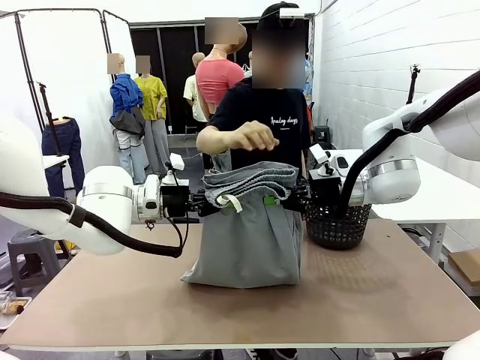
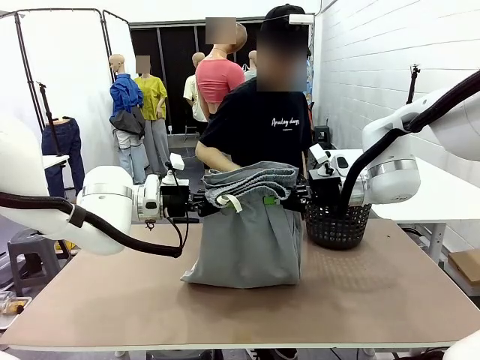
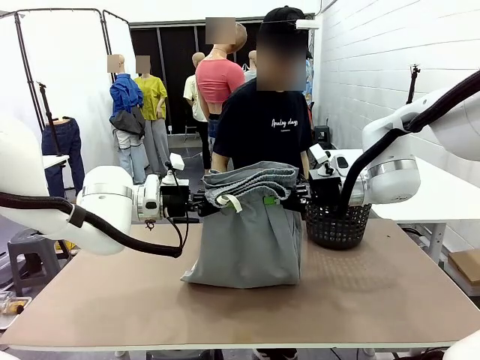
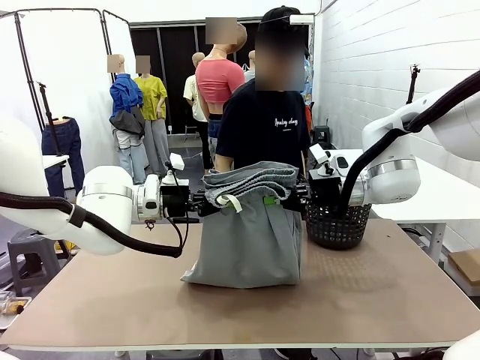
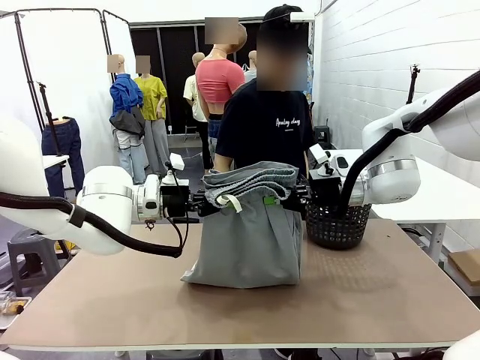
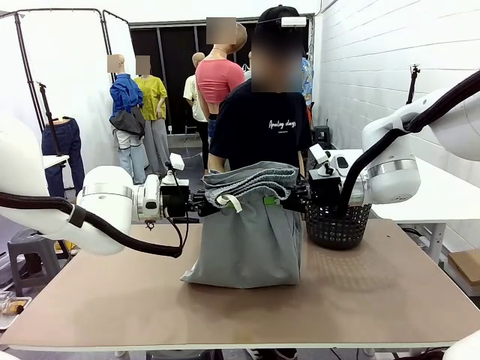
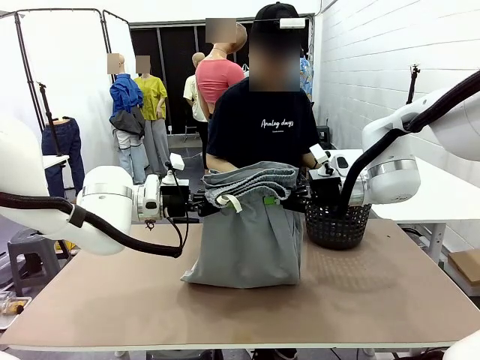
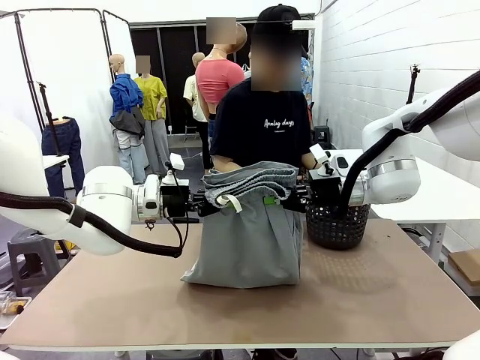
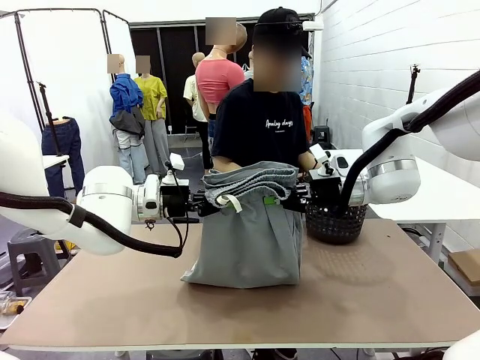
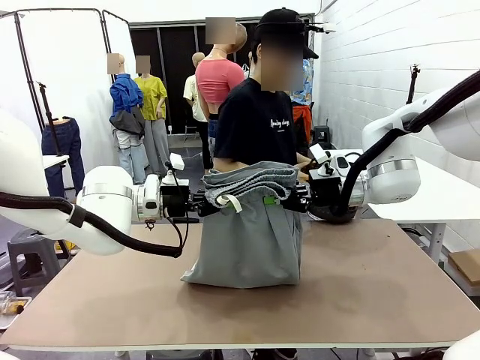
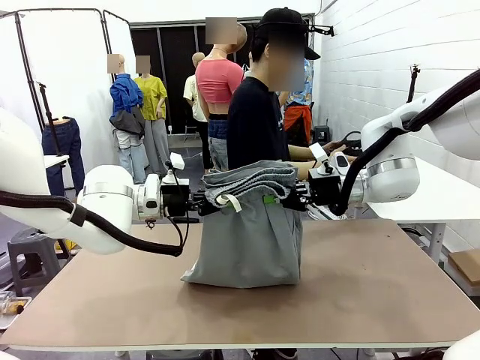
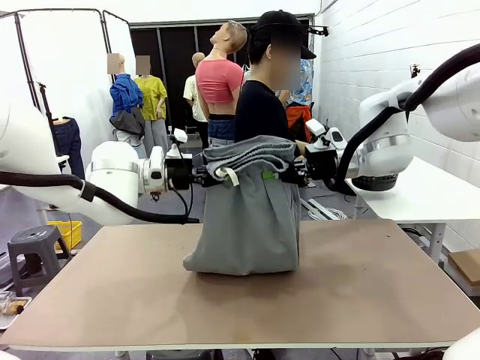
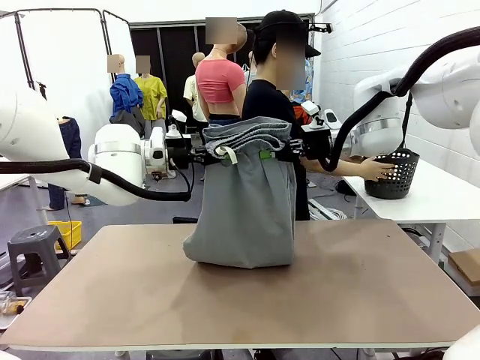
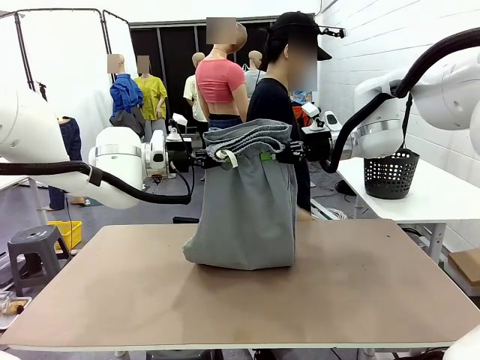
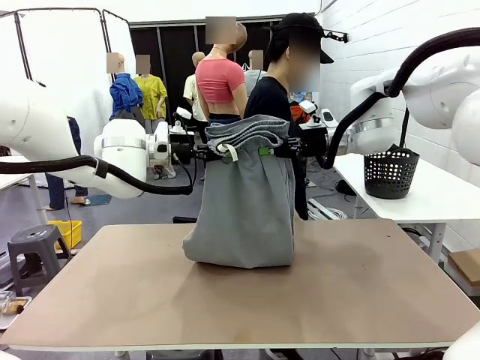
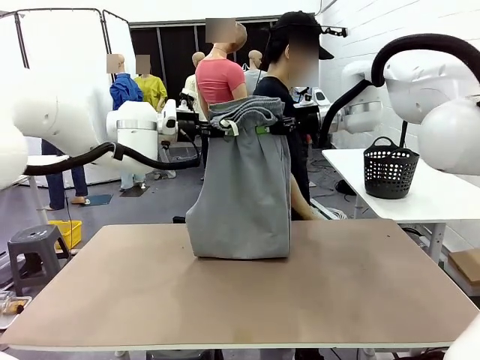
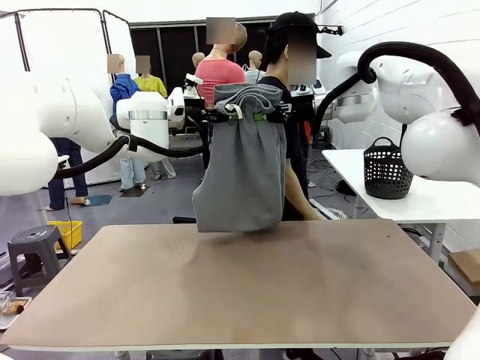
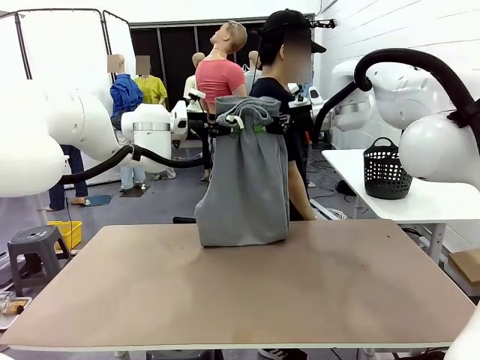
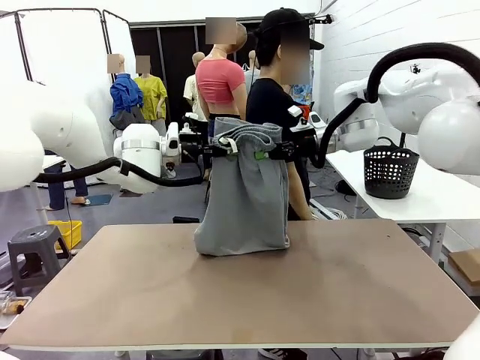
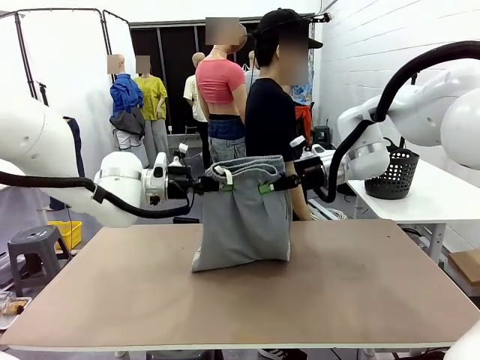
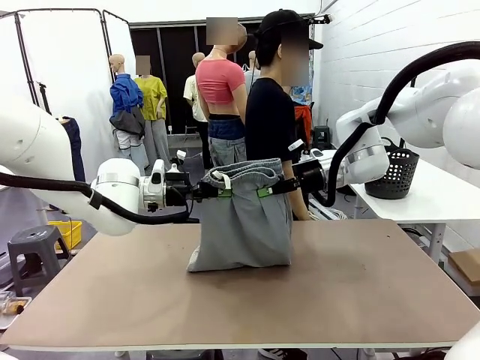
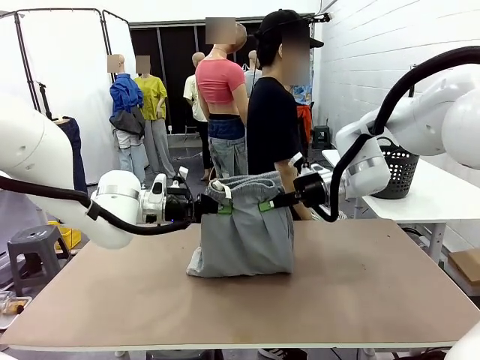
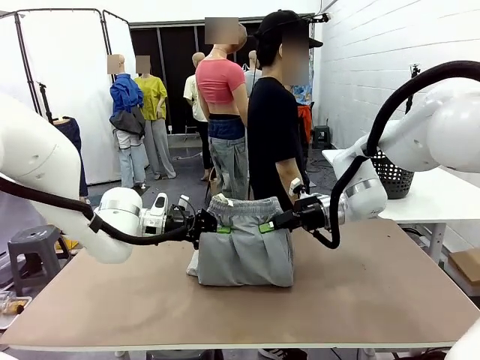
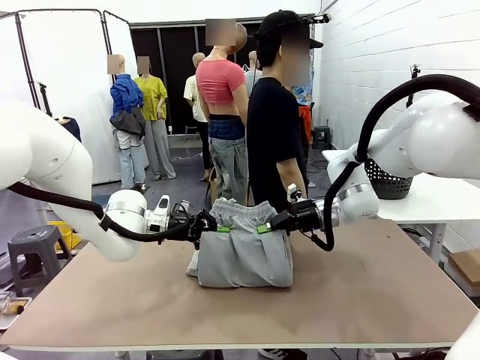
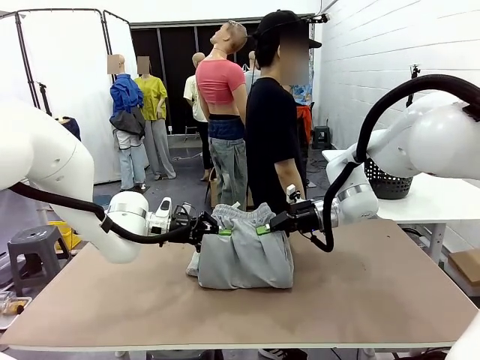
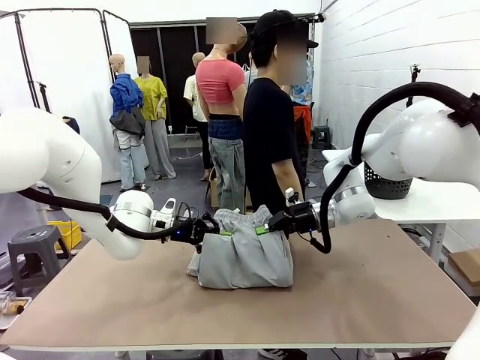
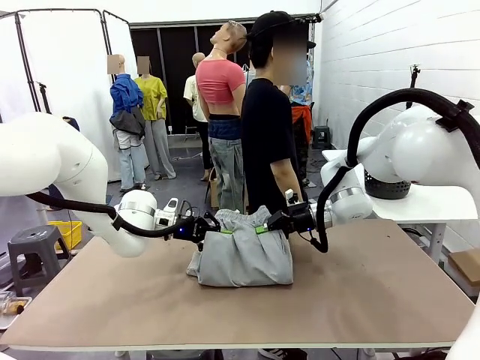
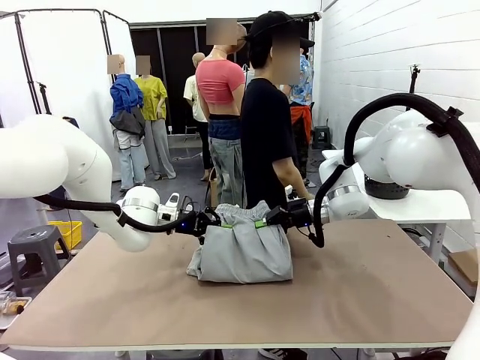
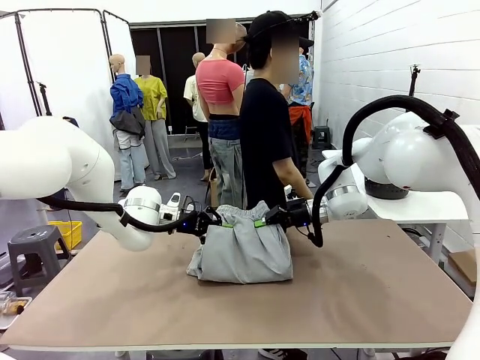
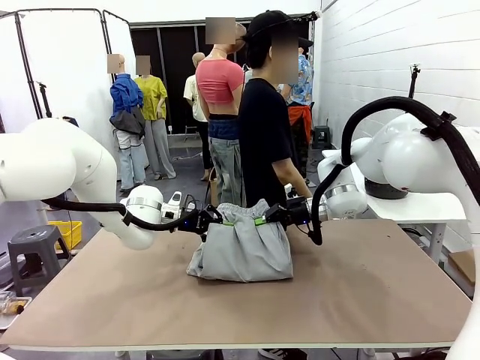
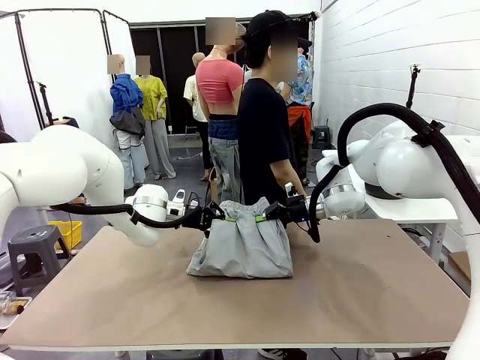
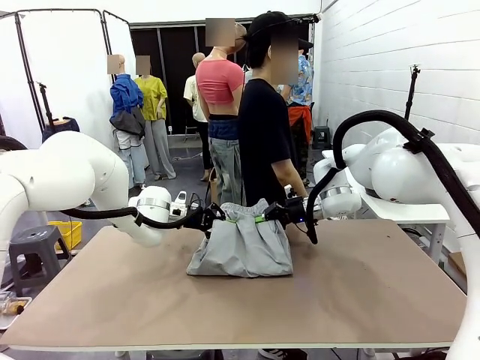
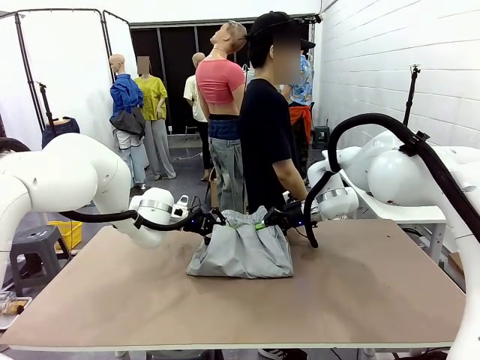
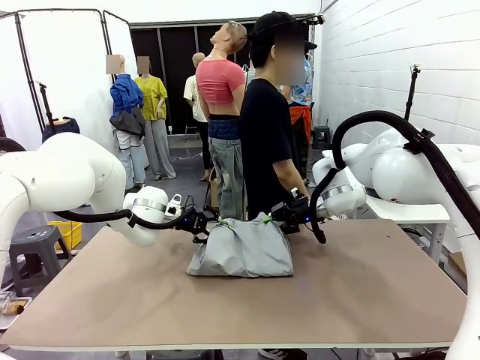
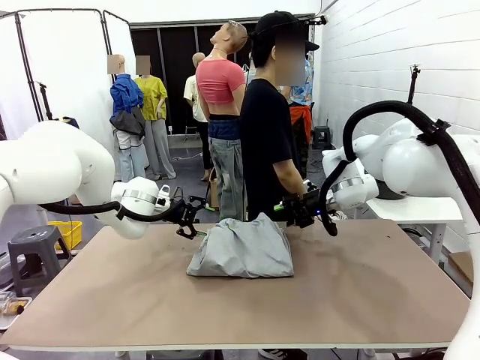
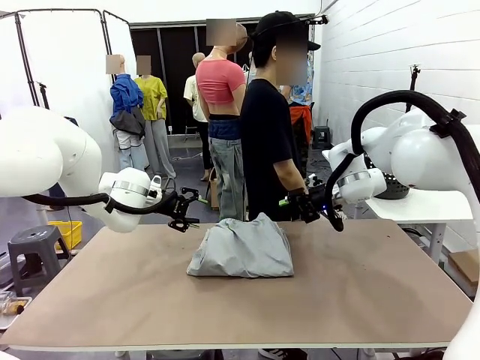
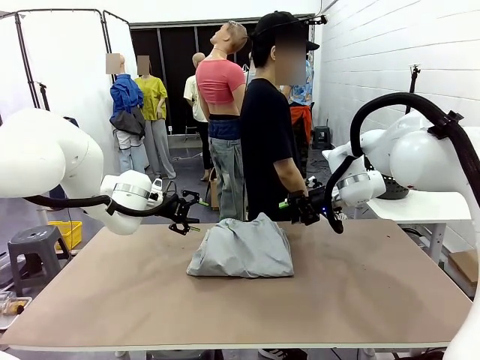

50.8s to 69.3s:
Task: Fold the training pants.
Robot: Fold the Training pants in half.
Person: Move the laundry basket to the right of the human table.

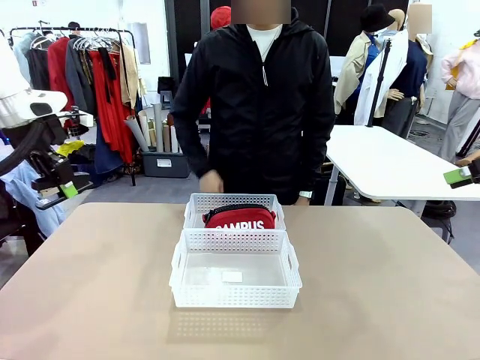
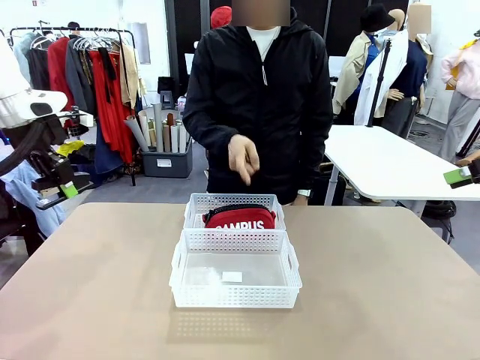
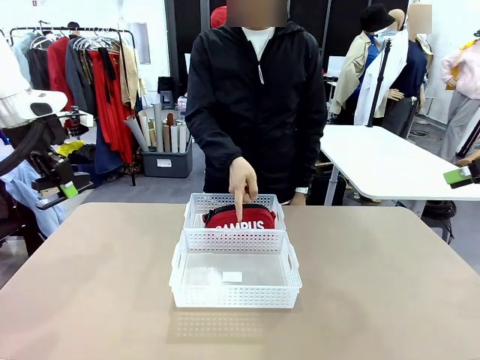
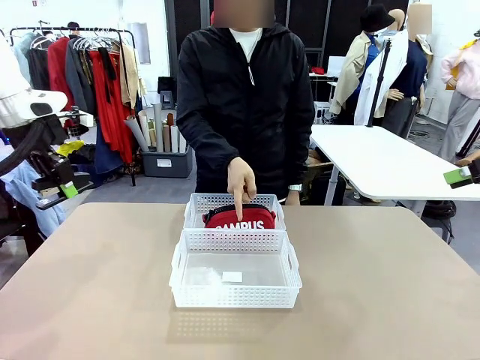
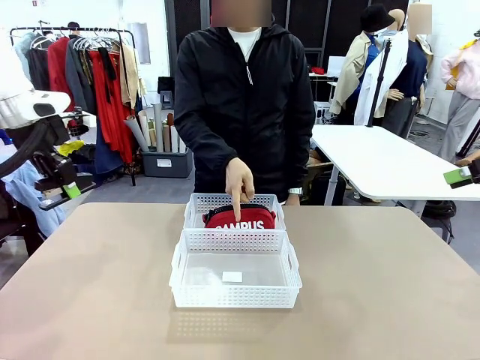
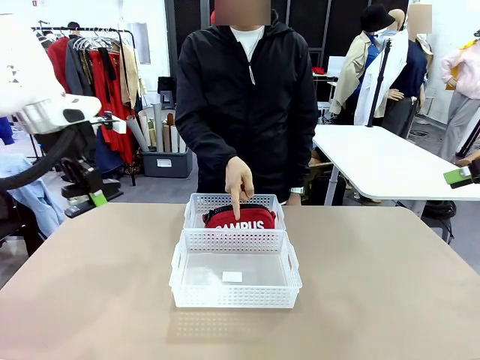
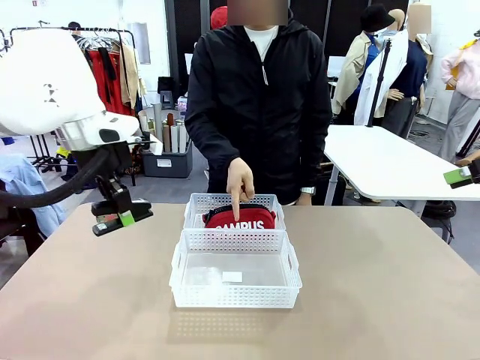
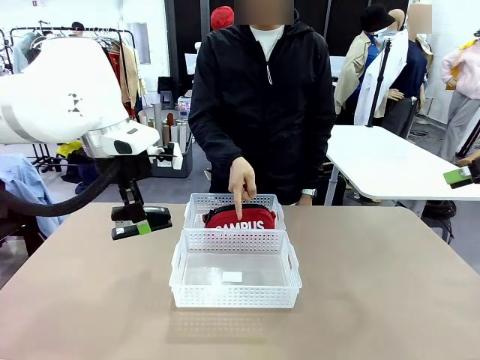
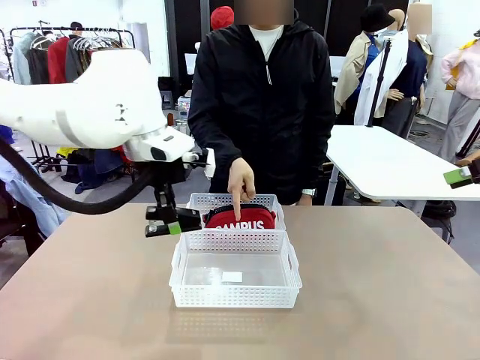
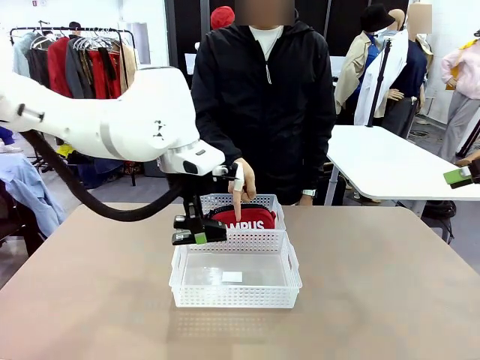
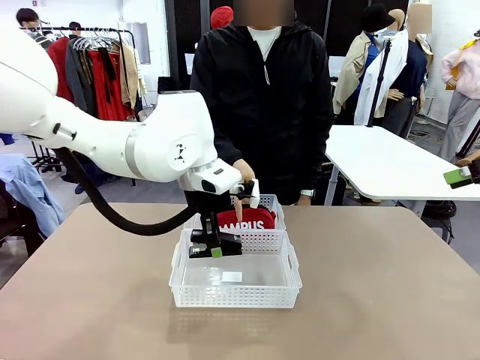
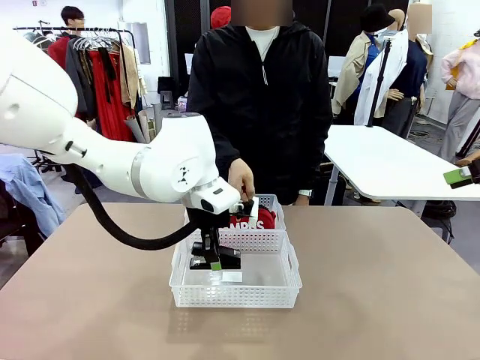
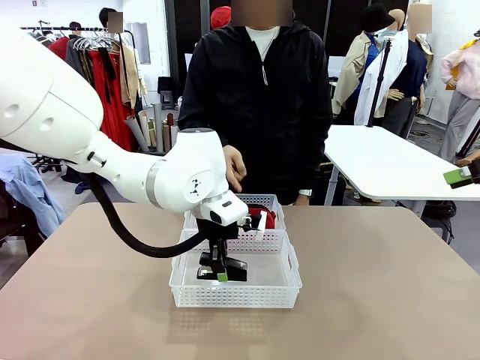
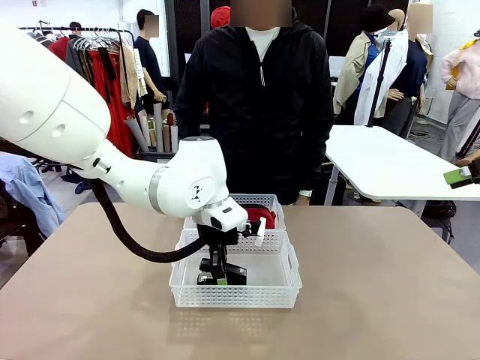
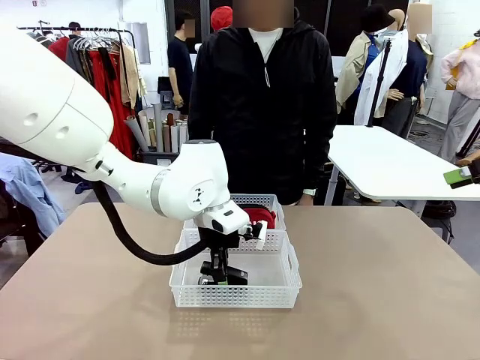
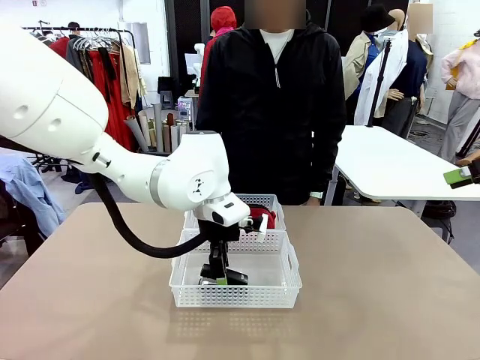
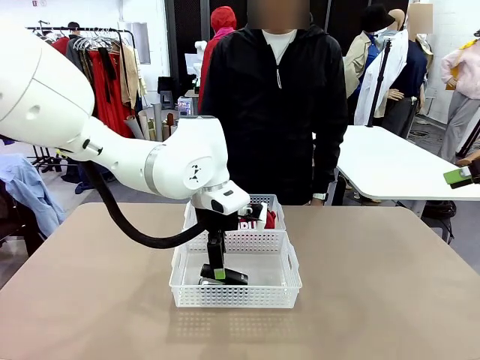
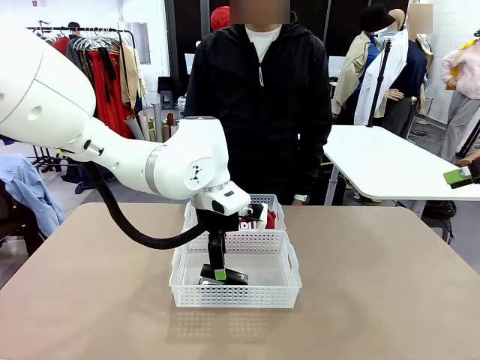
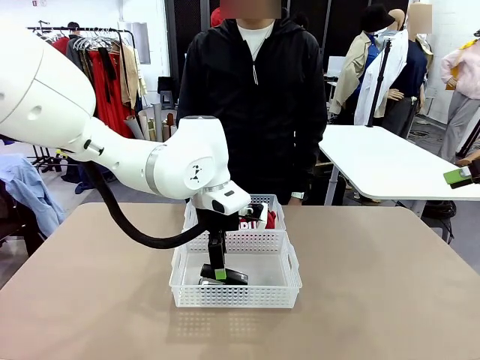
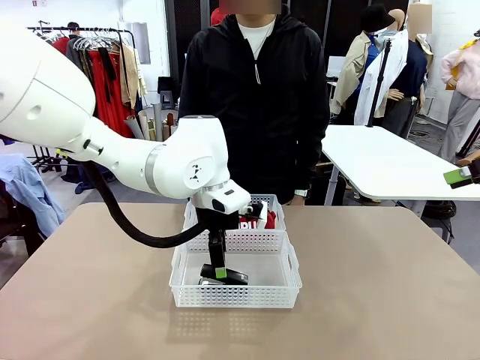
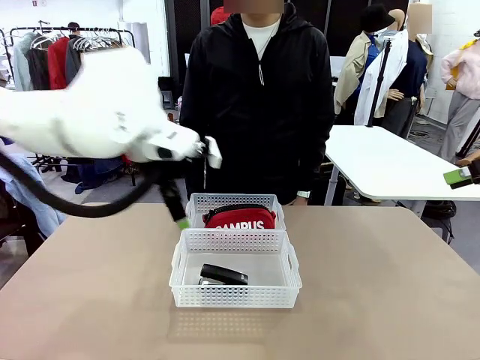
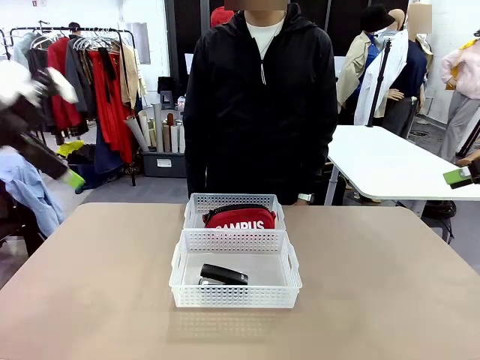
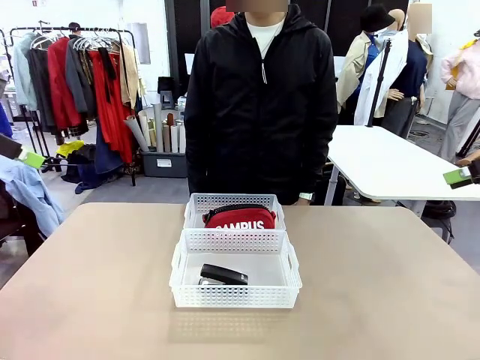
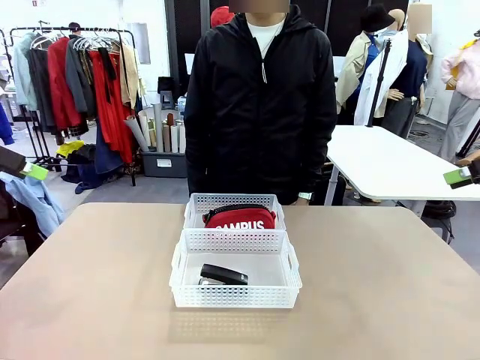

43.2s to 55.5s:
Task: Distribute items into two baskets.
Robot: Place the picked Stapler into the Organizing basket as instructed by the person.
Person: Points to the basket that does not contain the pencil case and instructs the robot to move the stapler there.
